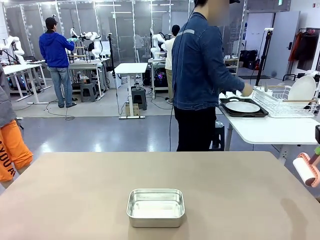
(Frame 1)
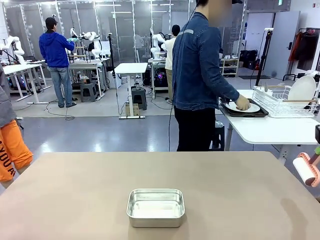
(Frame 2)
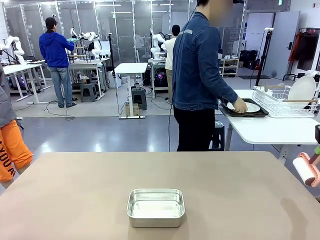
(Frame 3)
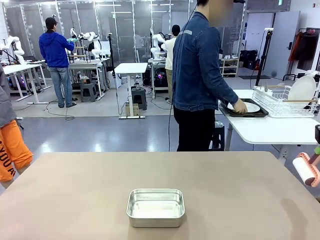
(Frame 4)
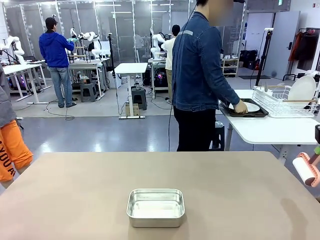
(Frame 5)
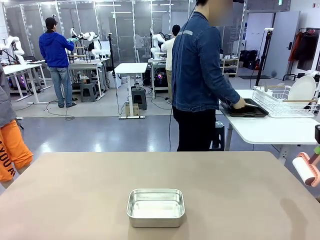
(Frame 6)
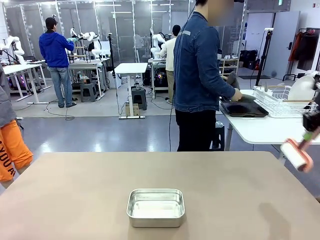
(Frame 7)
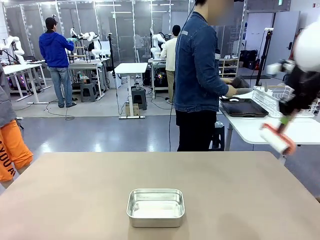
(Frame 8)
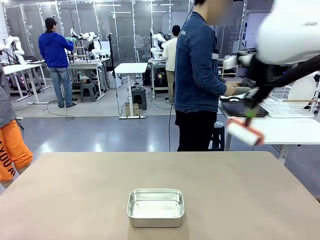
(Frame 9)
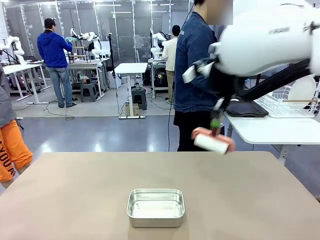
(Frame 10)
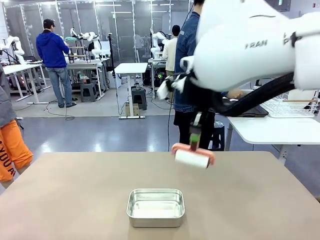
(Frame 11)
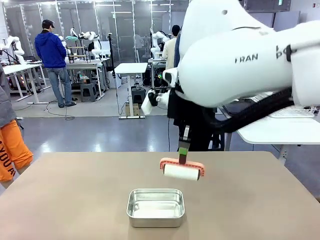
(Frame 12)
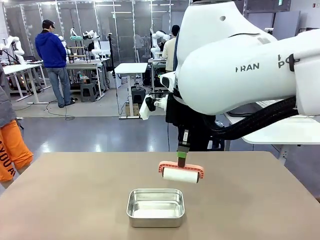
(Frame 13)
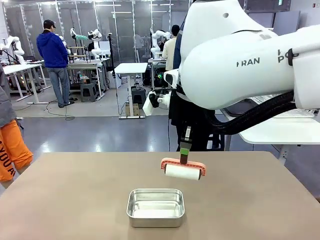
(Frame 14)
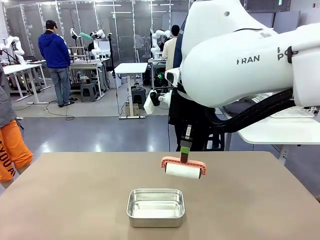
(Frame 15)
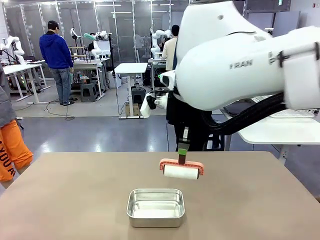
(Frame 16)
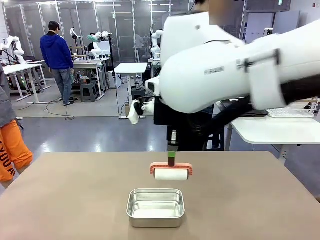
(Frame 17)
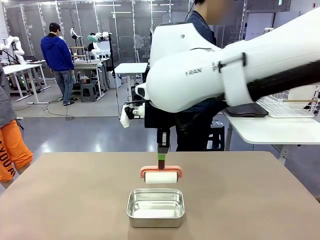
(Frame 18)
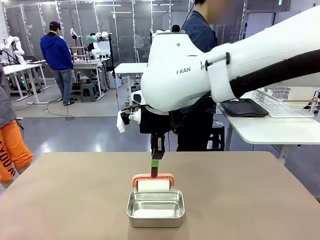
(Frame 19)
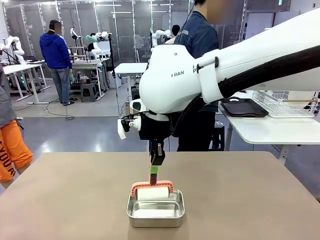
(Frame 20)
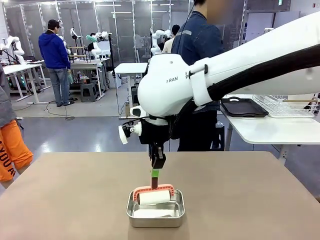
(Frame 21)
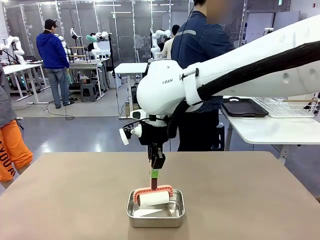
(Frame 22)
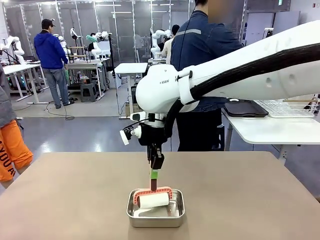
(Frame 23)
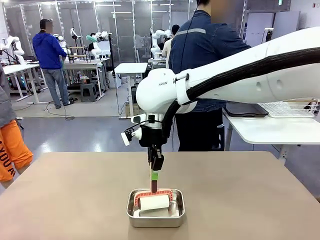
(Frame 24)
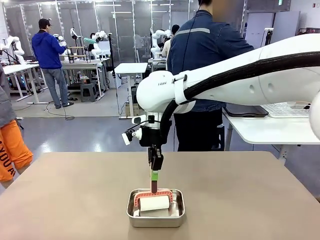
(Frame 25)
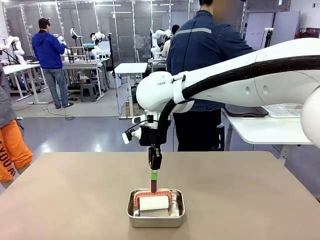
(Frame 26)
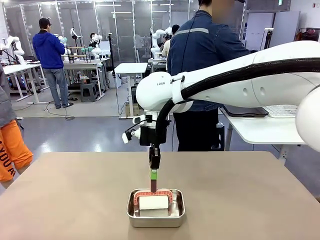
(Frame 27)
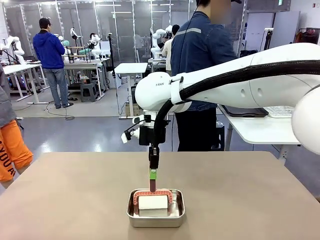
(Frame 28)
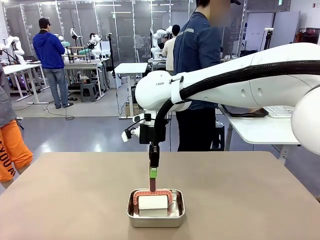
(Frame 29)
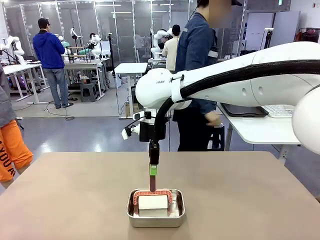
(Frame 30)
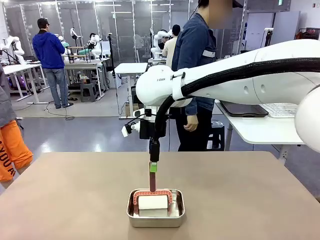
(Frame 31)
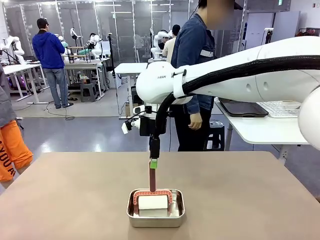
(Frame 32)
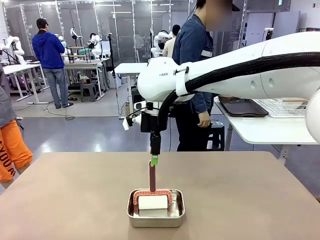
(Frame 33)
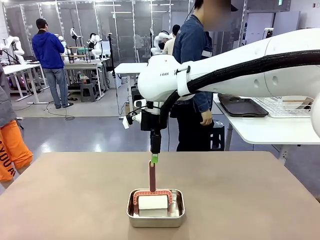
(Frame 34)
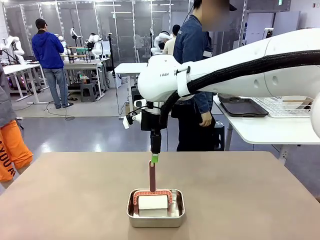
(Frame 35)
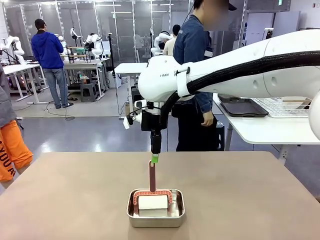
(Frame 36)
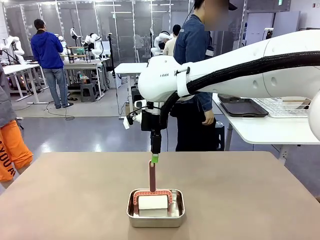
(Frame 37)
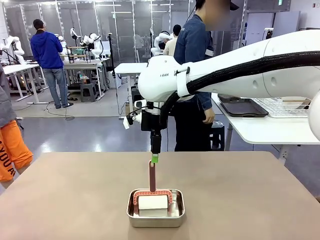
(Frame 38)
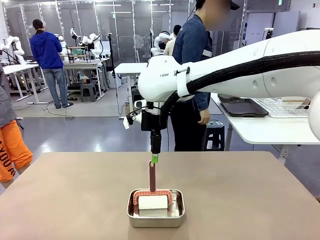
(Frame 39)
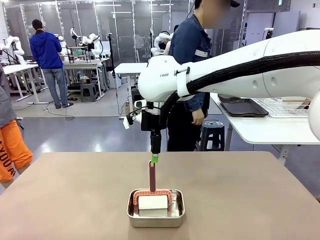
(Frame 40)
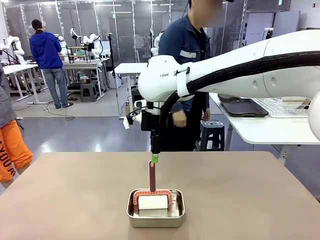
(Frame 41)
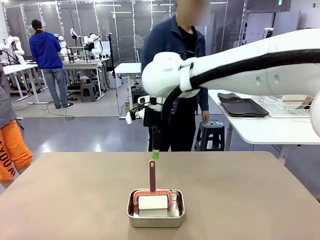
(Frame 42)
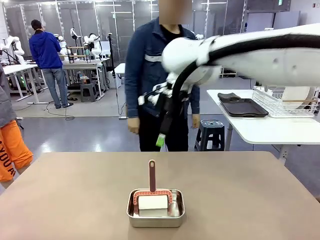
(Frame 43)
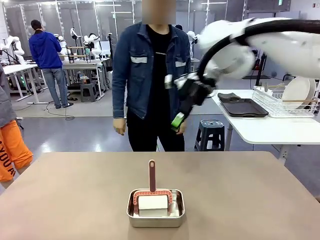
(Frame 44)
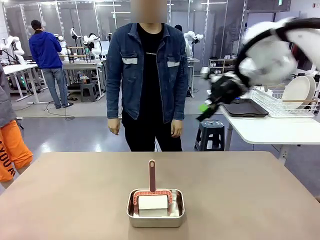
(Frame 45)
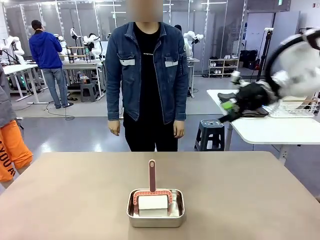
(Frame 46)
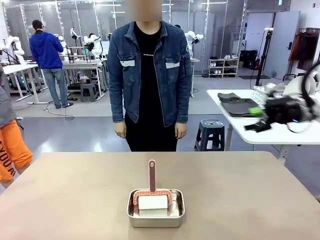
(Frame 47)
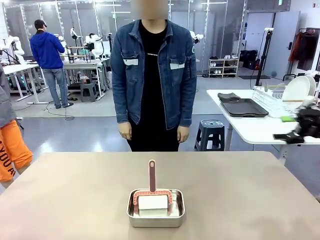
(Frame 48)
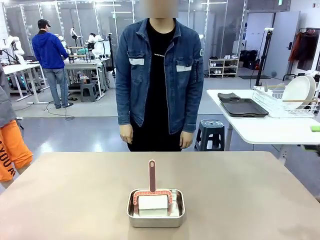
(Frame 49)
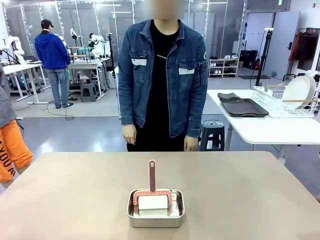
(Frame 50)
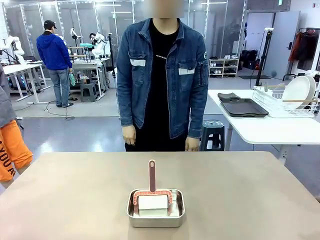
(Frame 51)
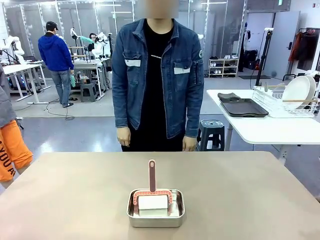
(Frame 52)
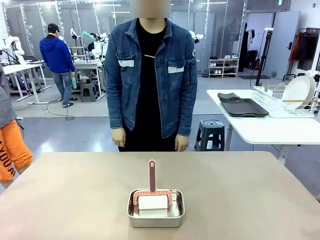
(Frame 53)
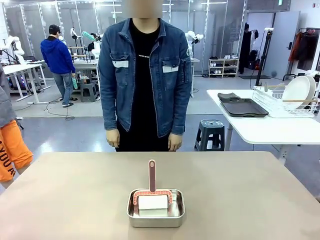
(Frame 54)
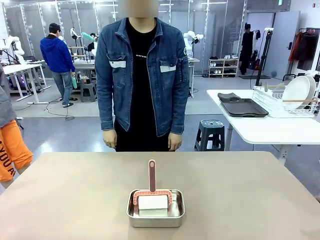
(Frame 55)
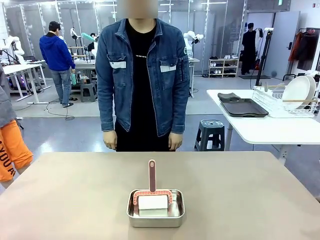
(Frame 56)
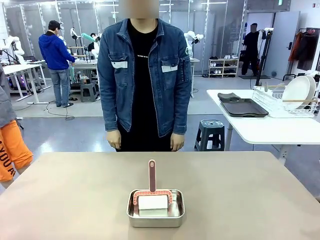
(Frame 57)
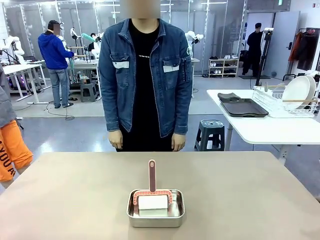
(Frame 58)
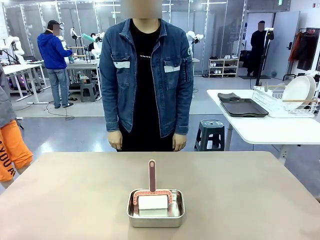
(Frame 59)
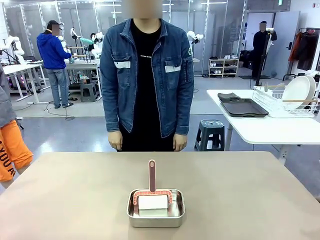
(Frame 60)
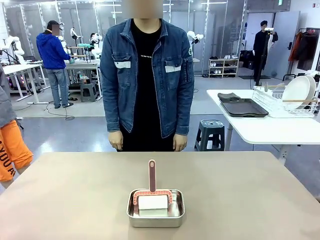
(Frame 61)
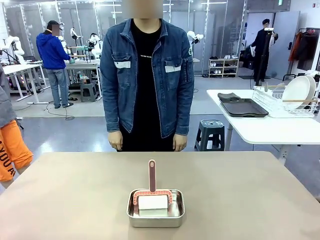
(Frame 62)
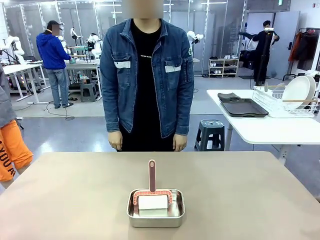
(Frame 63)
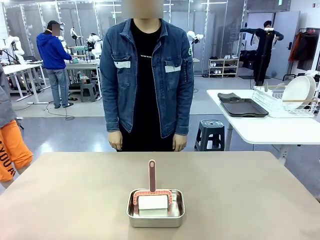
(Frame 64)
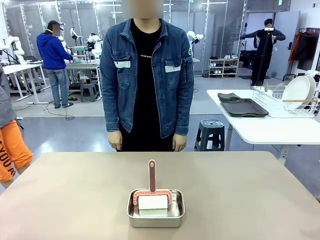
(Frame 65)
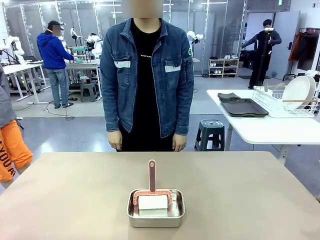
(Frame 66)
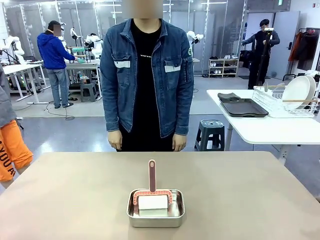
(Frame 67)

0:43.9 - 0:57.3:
Robot: Place the Lint Roller back on top of the Airtight Container.
Person: Use the Towel with hook to wipe the Plastic Matte Plate , Fork , and Knife and place into the Dish drying rack.

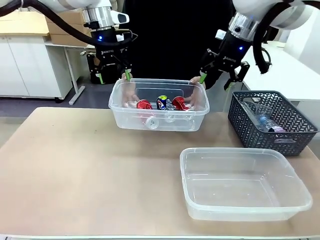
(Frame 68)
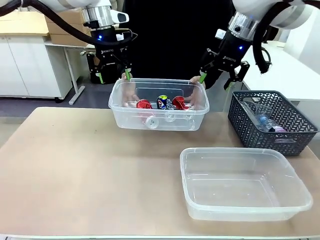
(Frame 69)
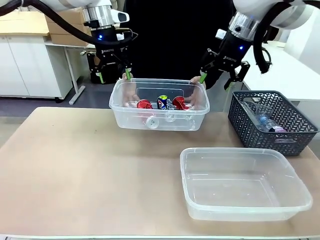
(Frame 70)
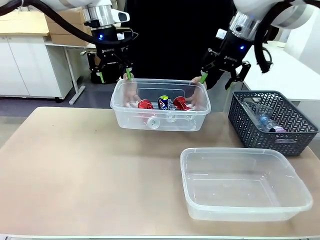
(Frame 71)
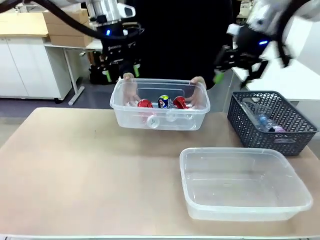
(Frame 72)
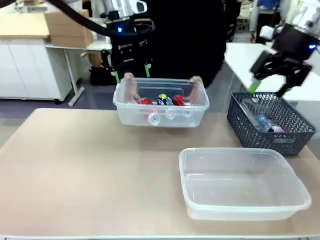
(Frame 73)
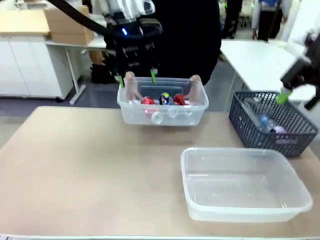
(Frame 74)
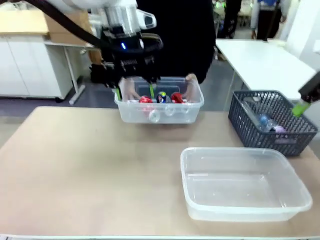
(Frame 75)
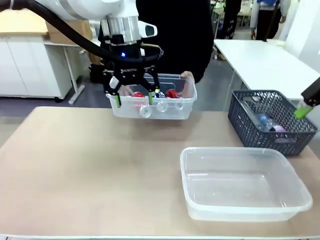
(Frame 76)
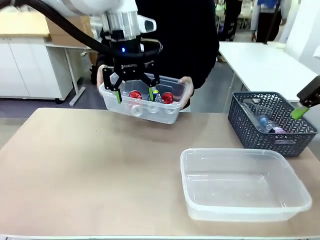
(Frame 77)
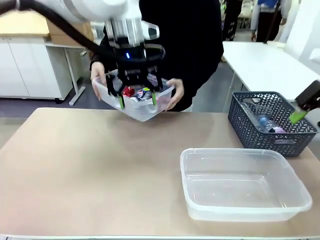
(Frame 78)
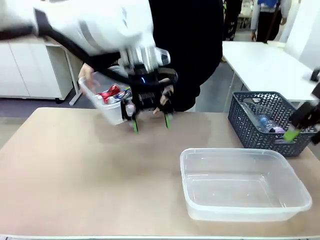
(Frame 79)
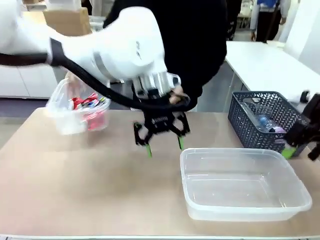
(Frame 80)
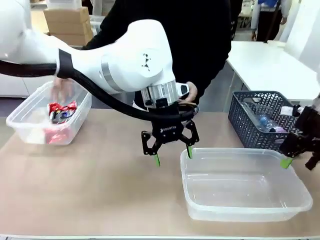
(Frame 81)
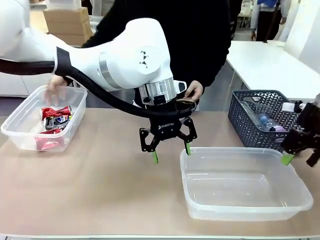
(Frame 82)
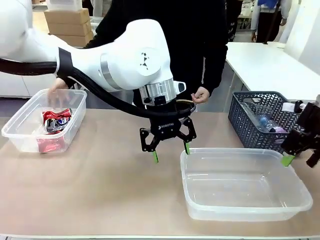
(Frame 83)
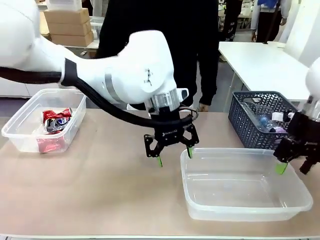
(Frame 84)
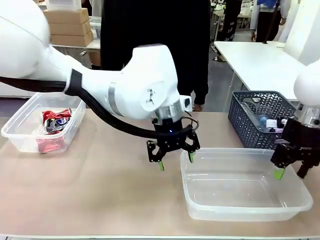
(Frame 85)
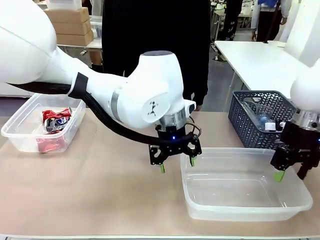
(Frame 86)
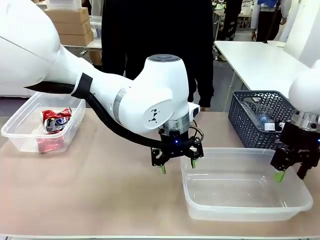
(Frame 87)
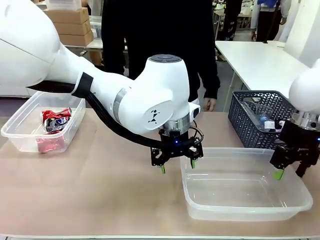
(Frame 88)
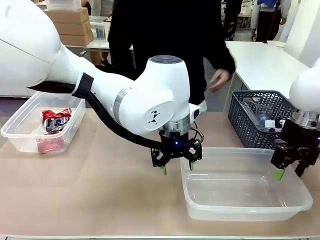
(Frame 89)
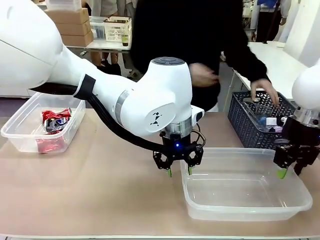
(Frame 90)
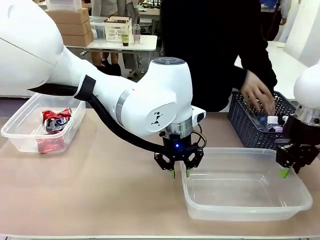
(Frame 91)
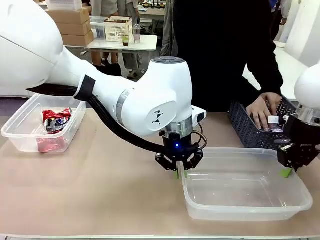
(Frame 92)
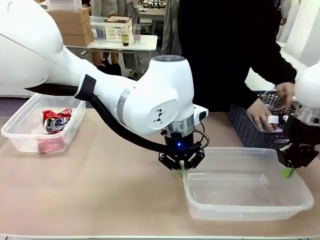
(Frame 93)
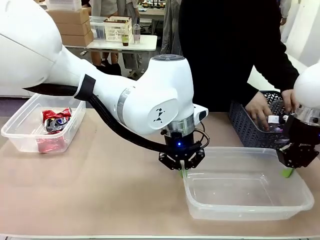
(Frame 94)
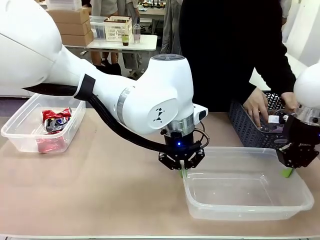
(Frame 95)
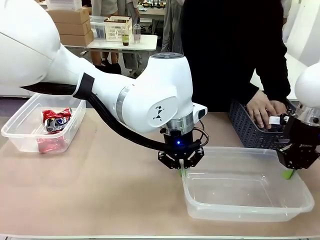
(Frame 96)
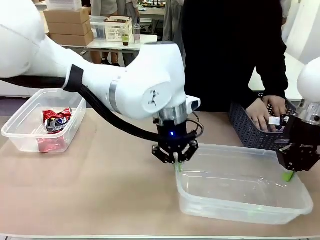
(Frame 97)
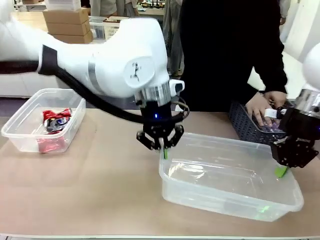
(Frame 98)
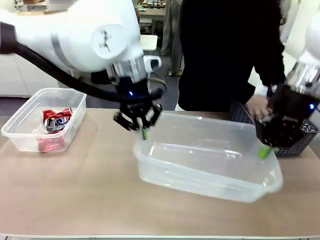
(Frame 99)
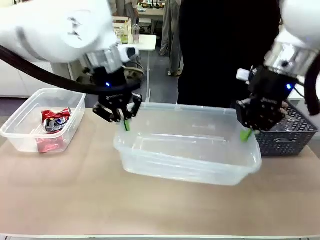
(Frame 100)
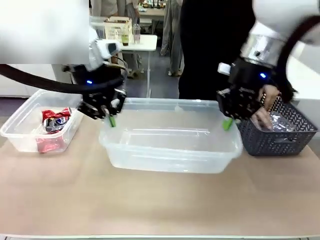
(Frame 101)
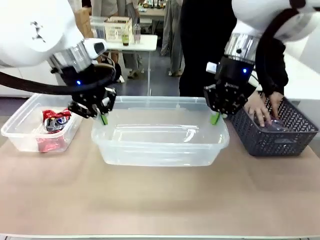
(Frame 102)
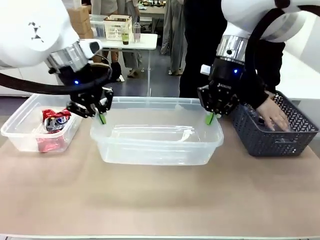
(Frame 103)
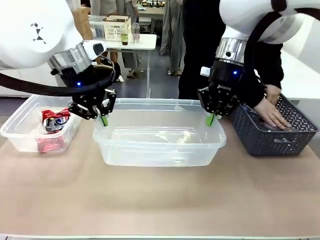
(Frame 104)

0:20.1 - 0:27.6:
Robot: Pick up the Organizing box on the right side of the table and lift it.
Person: Place it at the edge of the bottom right area of the robot table.
